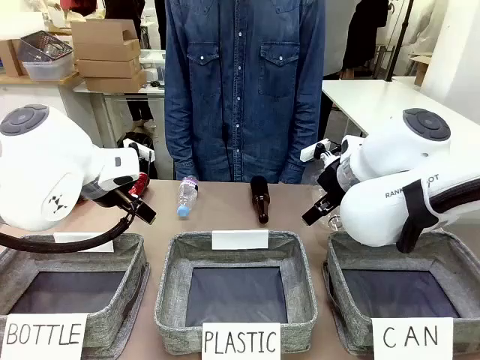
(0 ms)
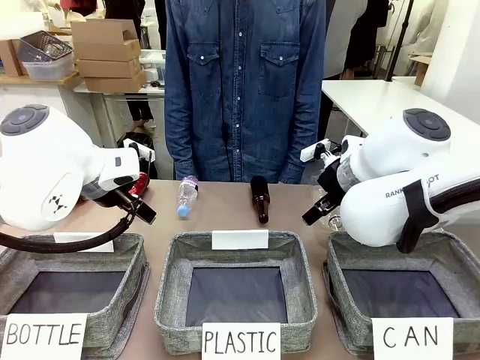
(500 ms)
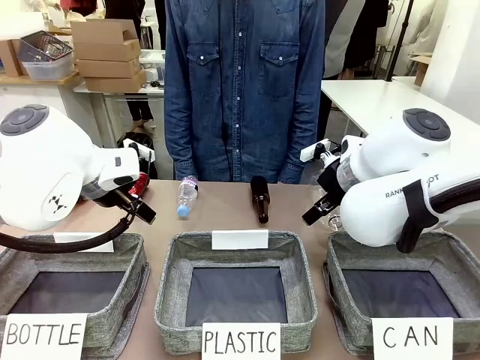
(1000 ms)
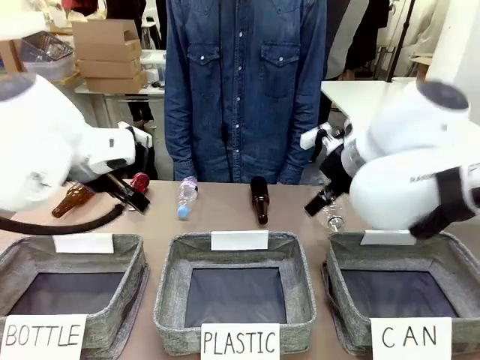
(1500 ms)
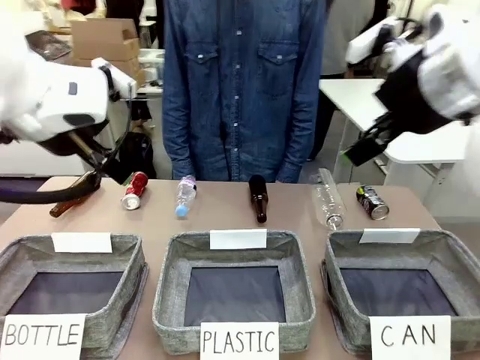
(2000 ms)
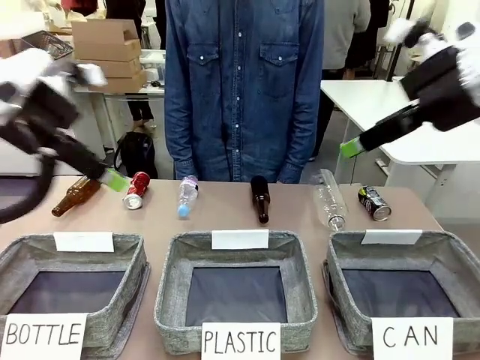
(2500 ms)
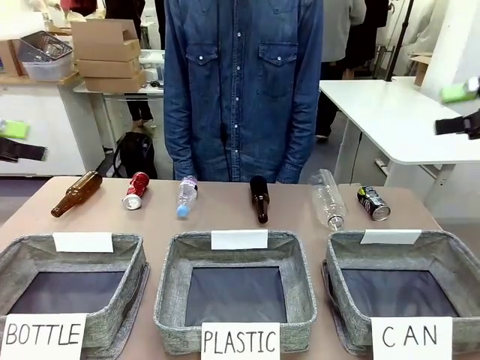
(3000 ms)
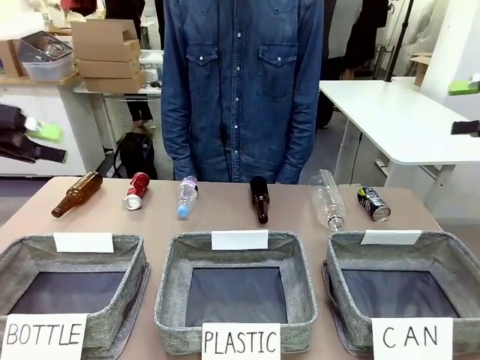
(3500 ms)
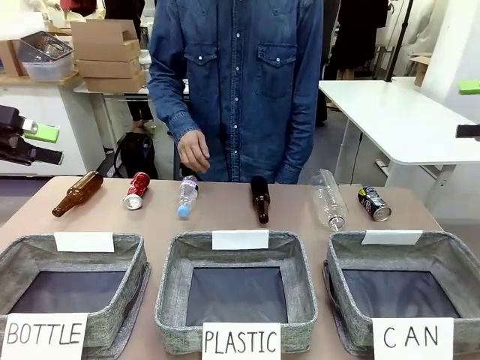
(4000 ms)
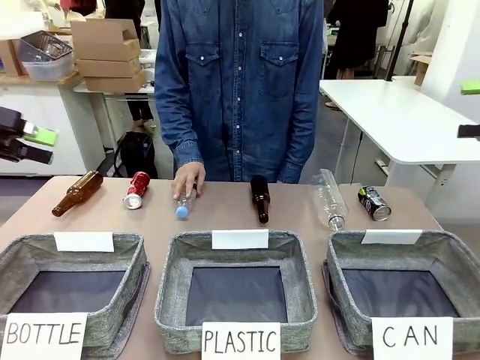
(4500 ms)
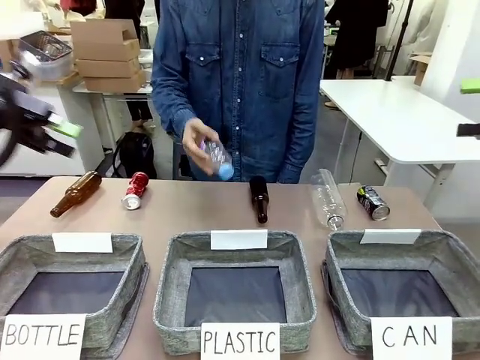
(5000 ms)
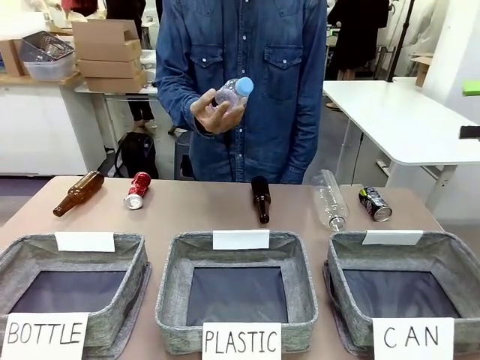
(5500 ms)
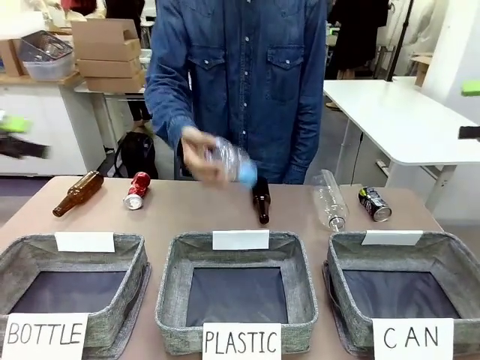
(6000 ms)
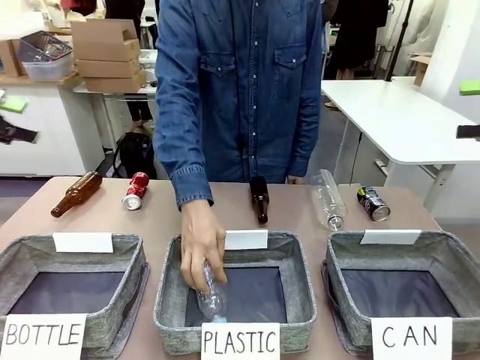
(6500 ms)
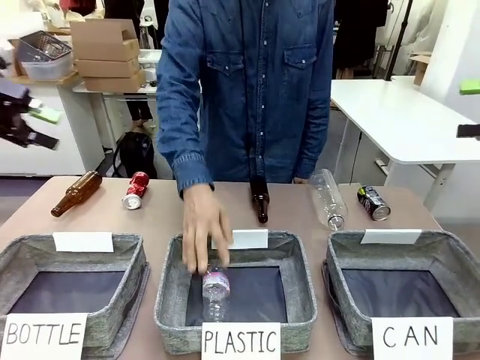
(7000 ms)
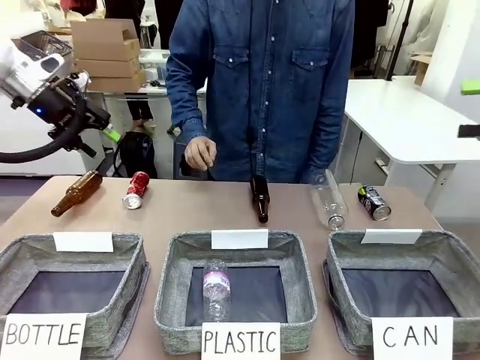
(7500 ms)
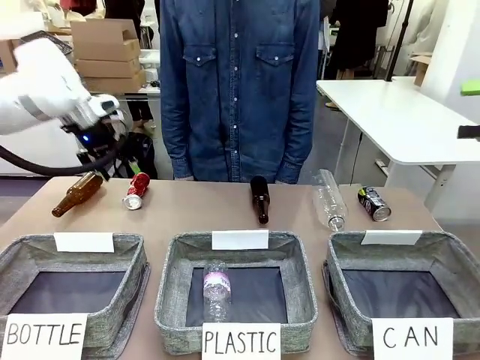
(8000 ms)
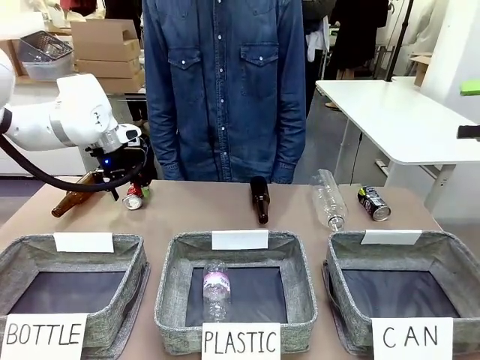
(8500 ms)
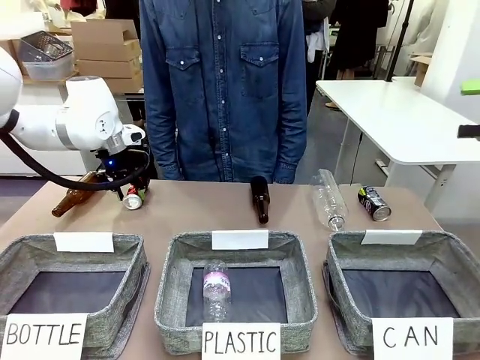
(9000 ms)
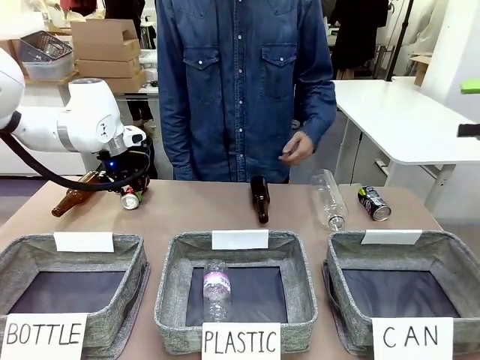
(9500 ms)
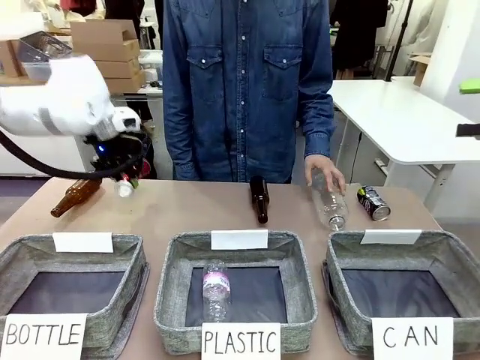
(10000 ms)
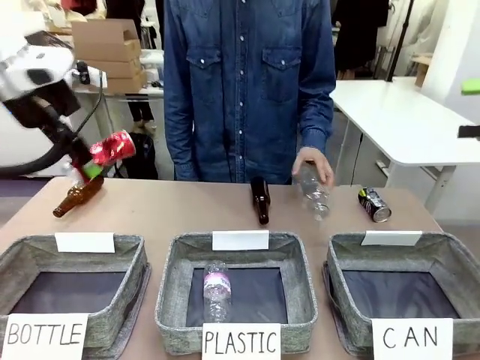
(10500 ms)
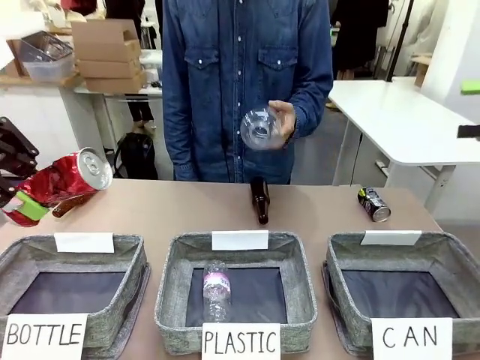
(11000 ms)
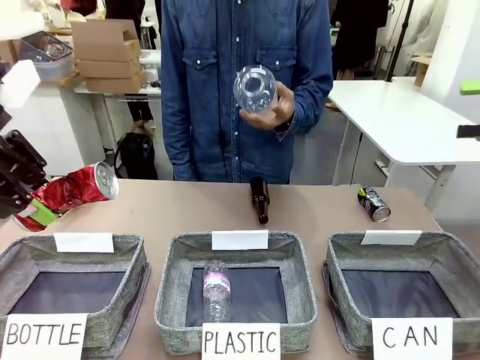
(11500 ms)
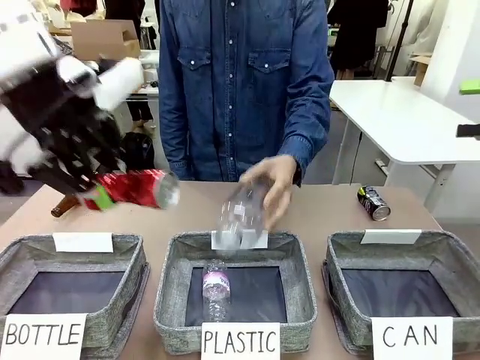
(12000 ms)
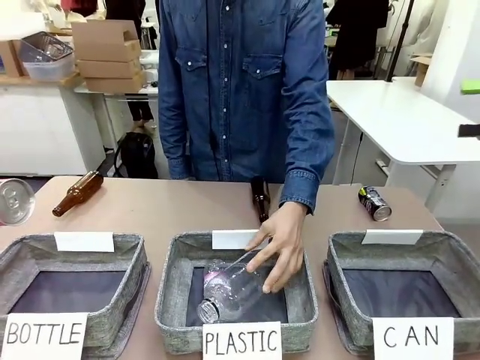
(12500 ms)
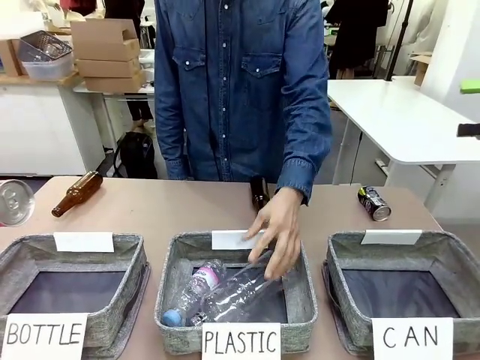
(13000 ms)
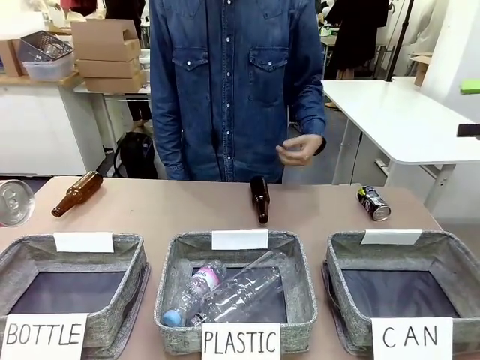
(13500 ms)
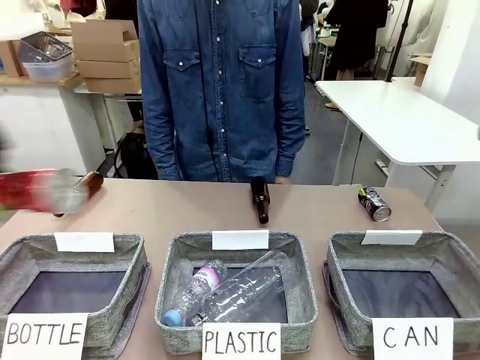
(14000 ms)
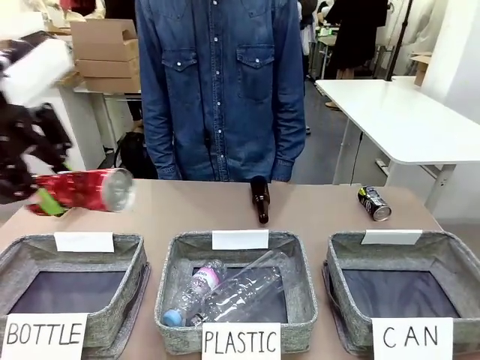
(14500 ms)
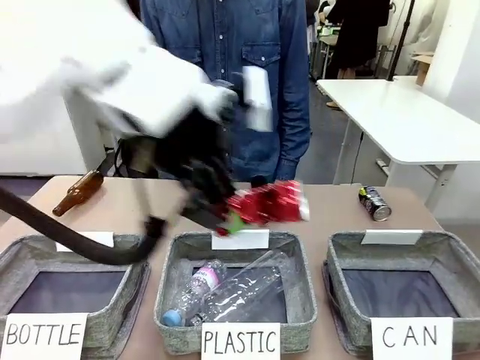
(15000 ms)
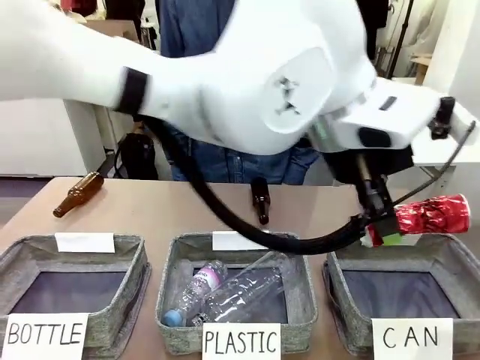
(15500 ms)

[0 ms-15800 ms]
Task: Sort the can waste into the basket.
Robot: Pick up the can waste from the table and place it in the right Fabric basket.

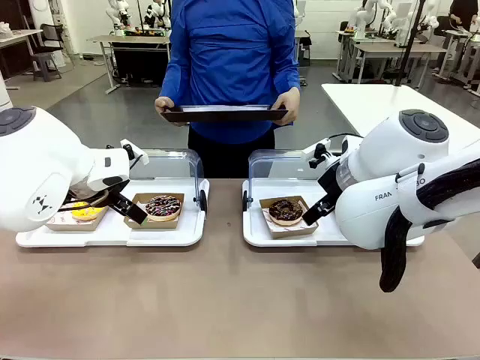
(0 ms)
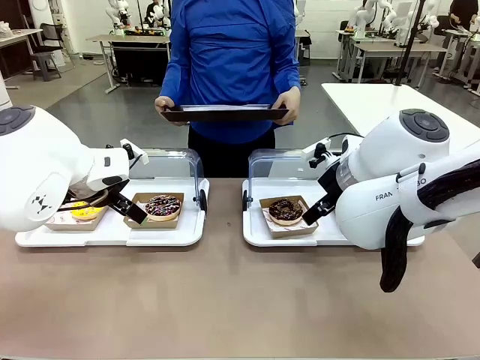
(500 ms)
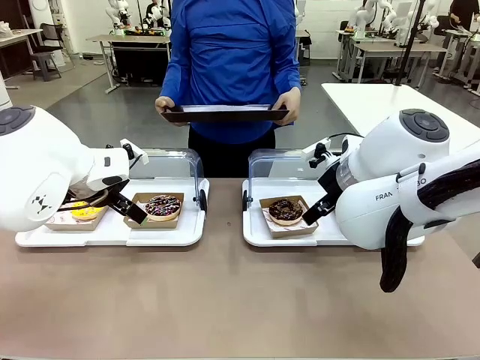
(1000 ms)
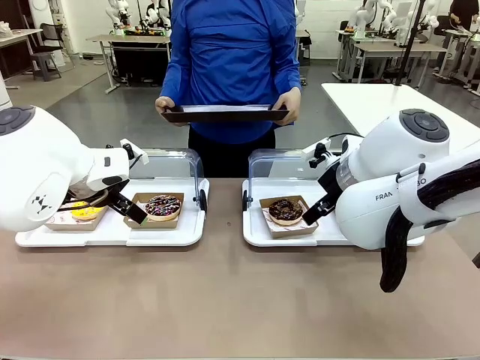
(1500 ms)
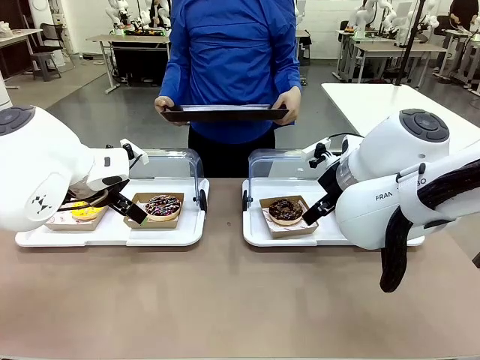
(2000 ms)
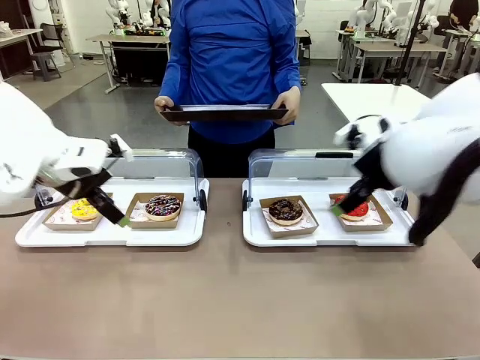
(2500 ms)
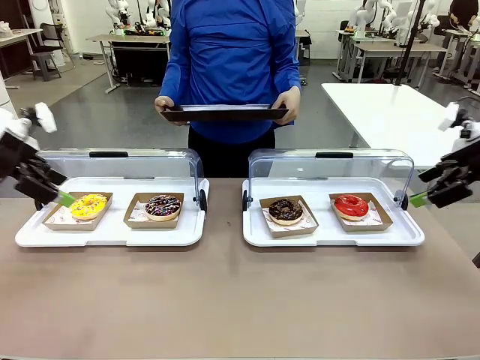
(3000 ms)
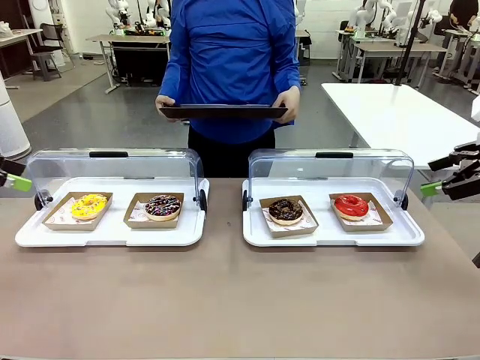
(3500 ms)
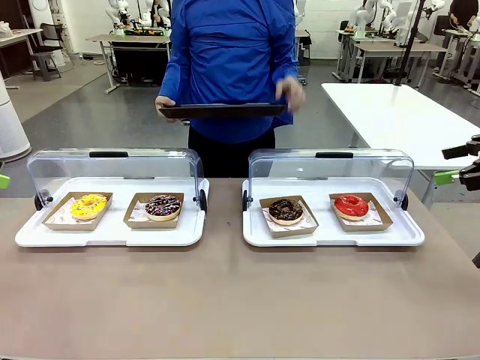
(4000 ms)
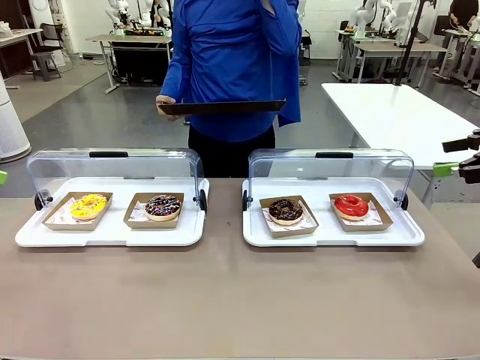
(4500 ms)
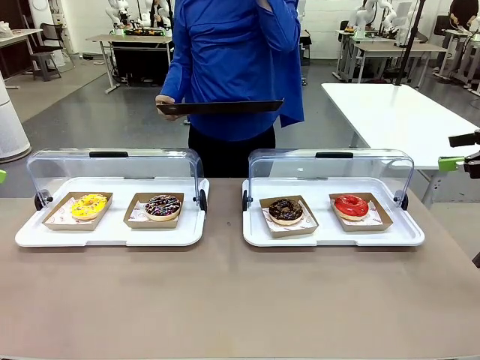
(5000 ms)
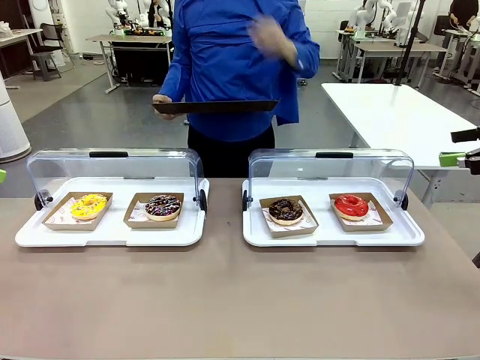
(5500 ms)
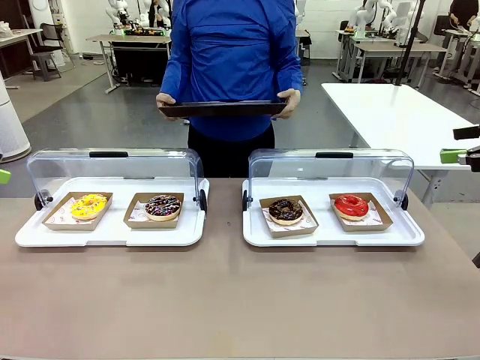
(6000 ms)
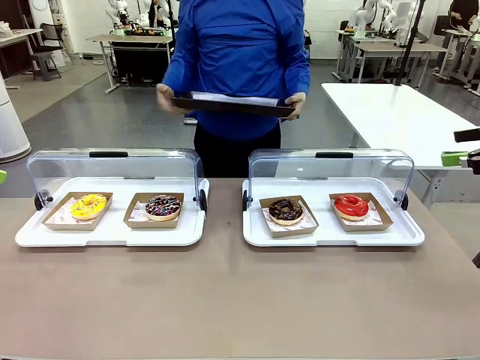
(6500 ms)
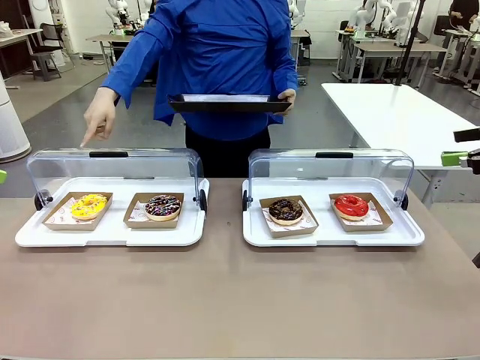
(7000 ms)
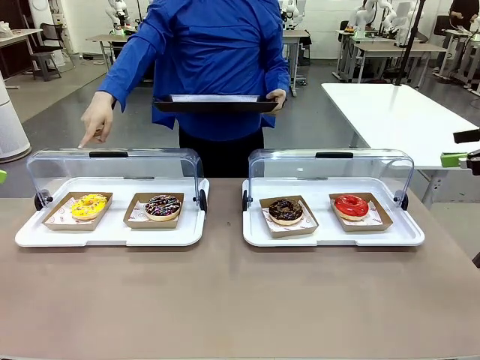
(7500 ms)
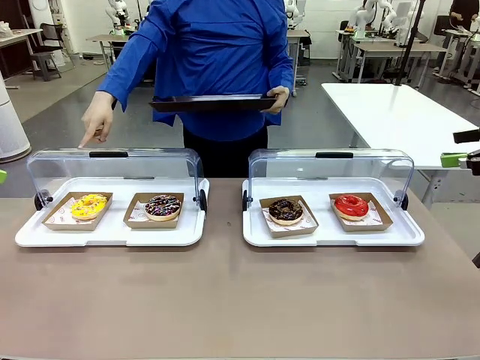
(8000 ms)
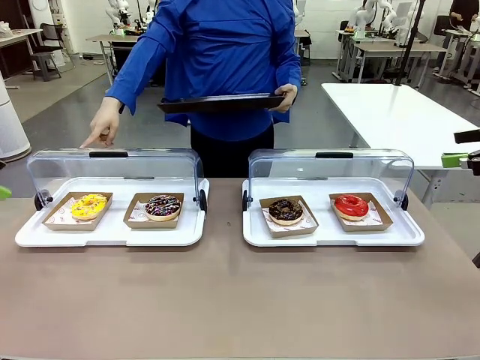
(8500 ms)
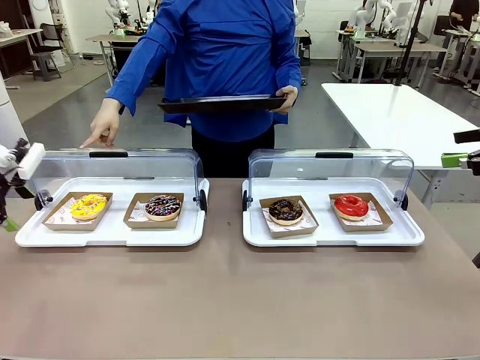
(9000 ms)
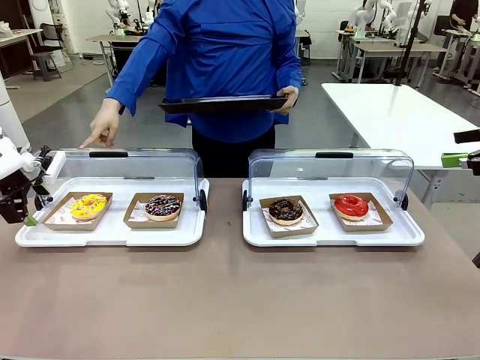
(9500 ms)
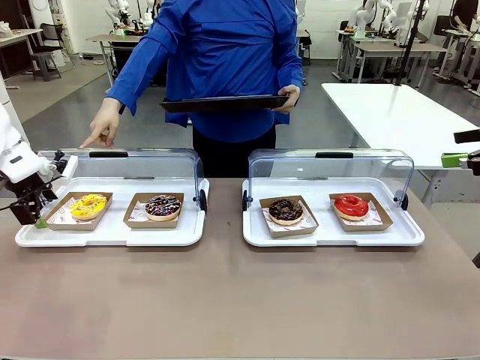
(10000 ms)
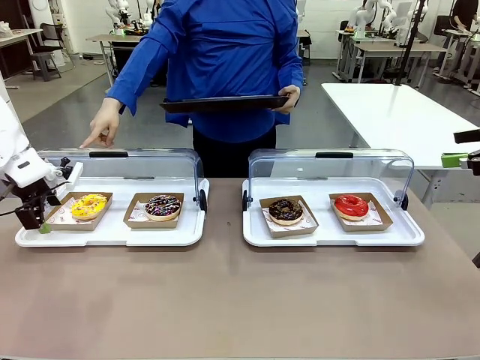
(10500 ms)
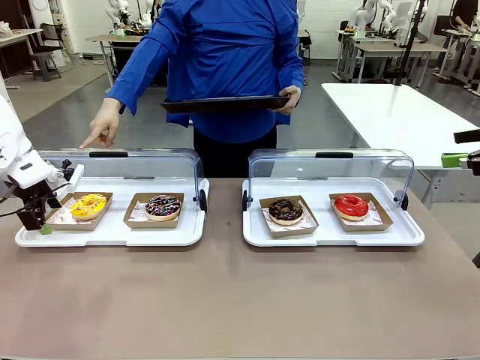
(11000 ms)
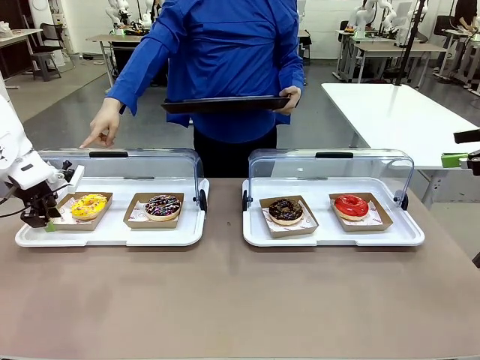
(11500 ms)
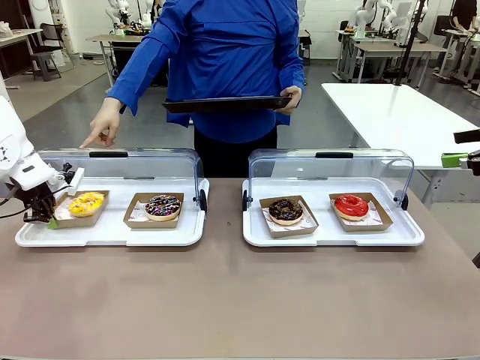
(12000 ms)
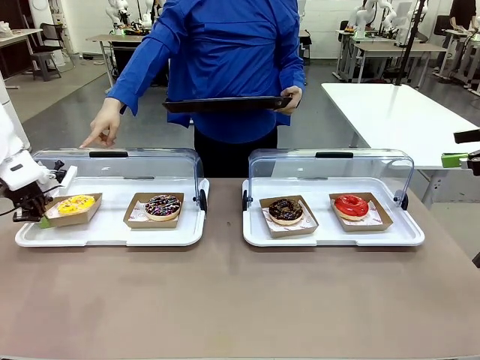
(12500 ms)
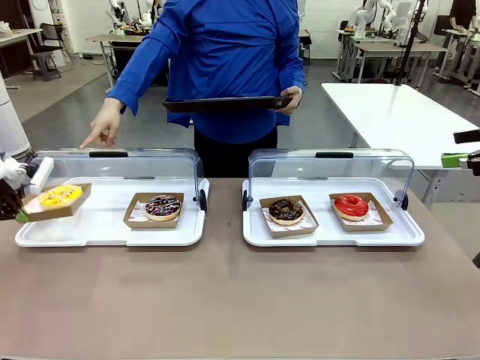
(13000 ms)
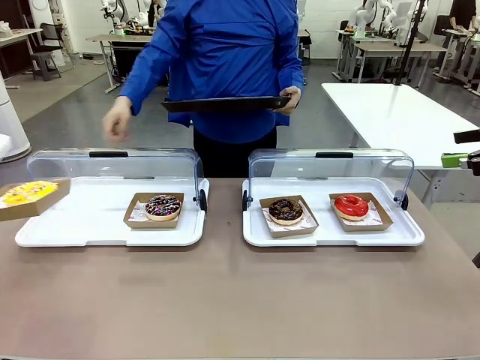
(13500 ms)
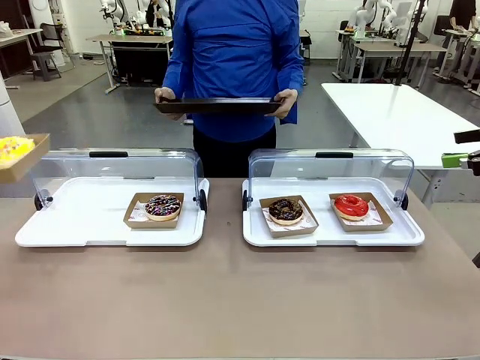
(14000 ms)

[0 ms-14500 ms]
Task: Provide the desired donut to the person.
Robot: Pick up and lift the Paper togo box containing the Donut pointed at by the person.
Person: Point to one donut. Lift the tray onto the Roll-Top Bakery Case.
